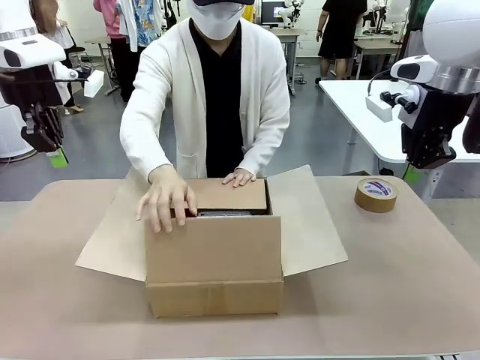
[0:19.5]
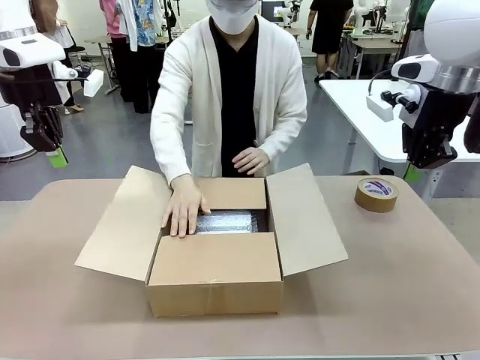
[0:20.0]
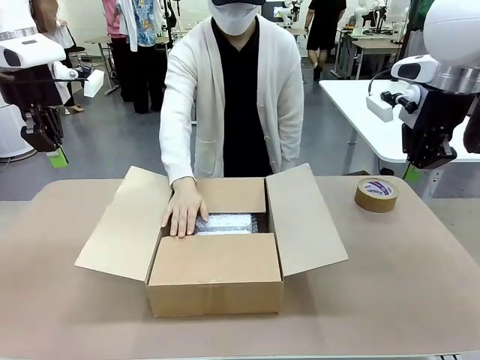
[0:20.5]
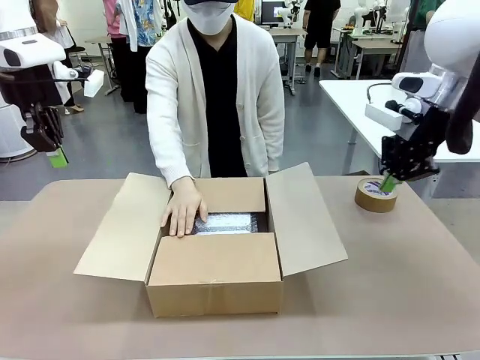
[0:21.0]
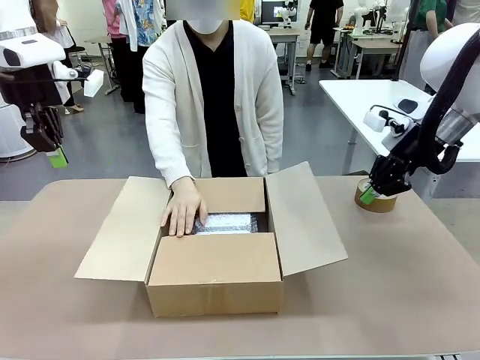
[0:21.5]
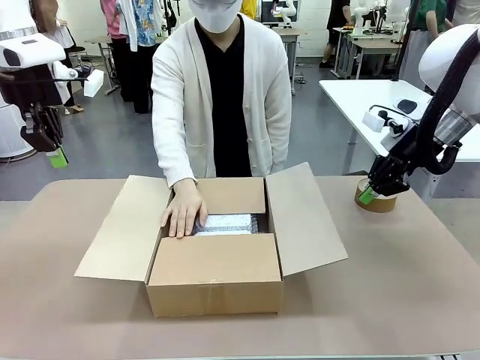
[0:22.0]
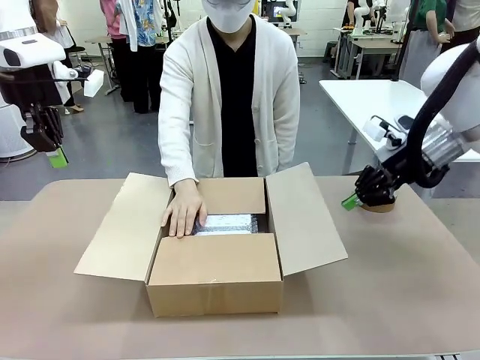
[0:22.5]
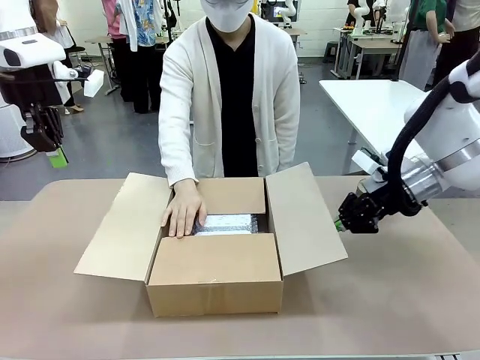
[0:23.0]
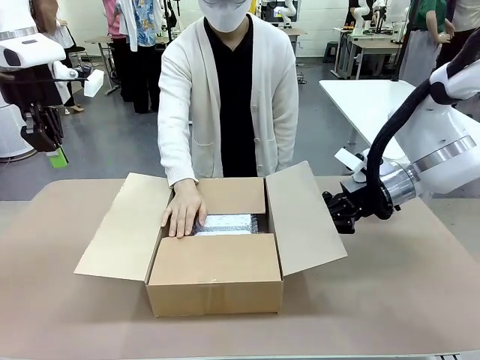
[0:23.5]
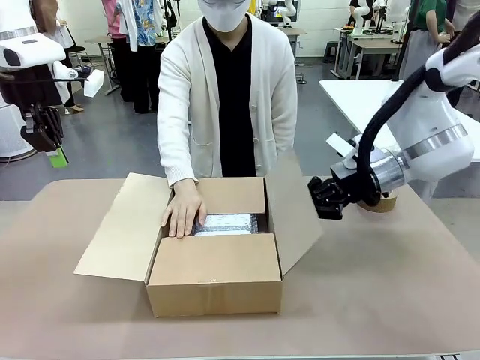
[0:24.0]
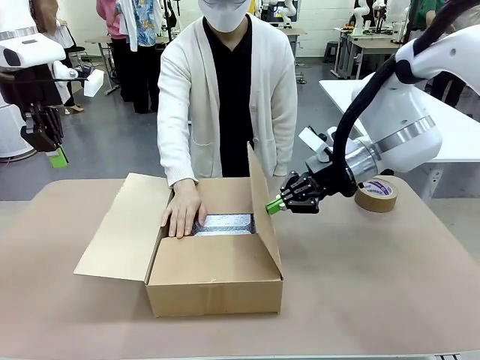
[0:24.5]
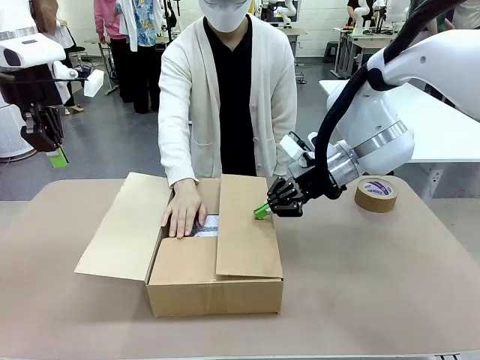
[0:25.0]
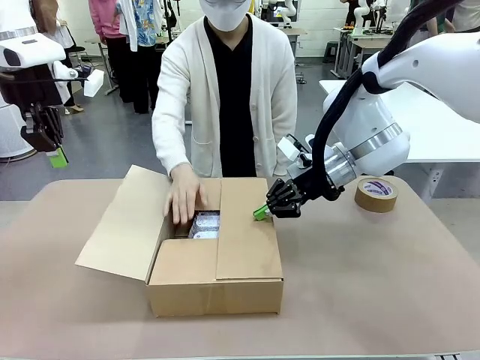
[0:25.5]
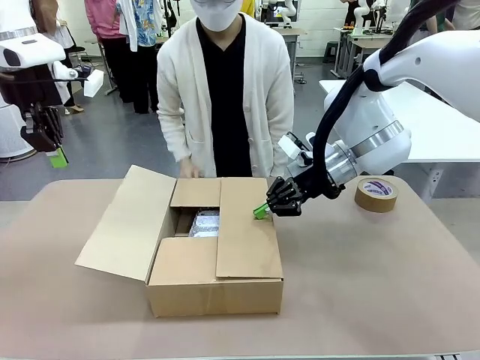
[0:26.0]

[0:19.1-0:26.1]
Task: Wrap the clocks to prevent damage.
Robot: Push the right (or left) flap of the Package Box to close it.
Person: Once the robot closes the right flap of the Package Box , release your left hand from the box.

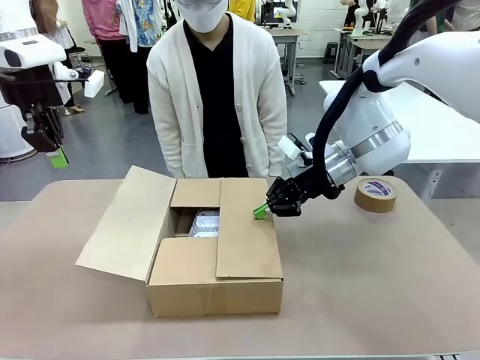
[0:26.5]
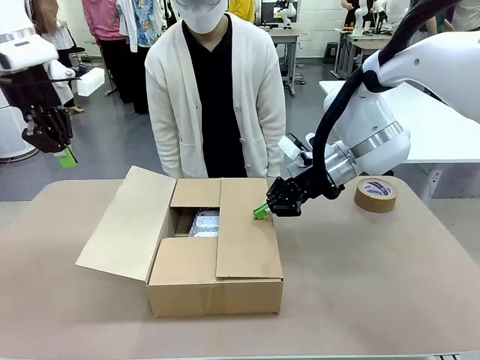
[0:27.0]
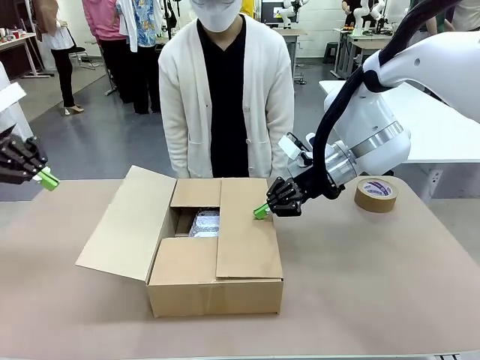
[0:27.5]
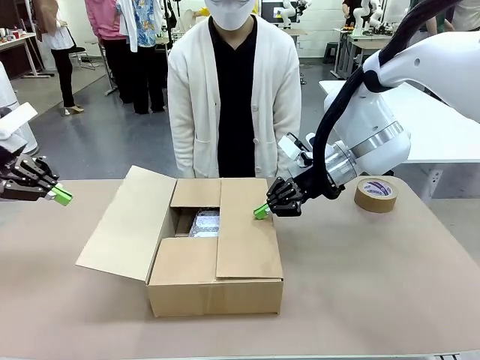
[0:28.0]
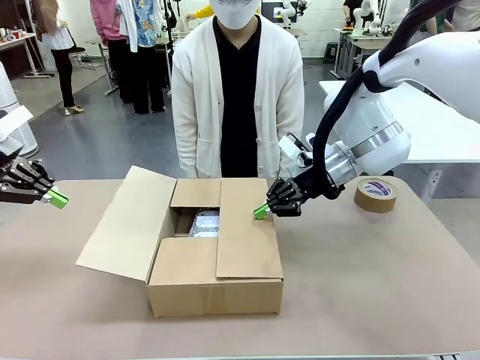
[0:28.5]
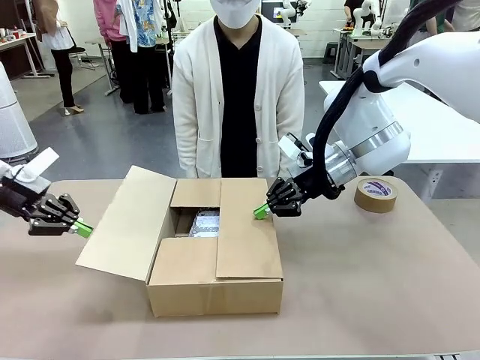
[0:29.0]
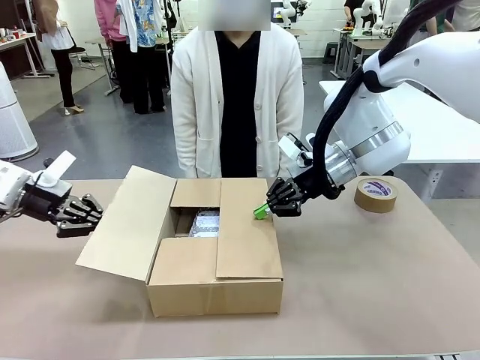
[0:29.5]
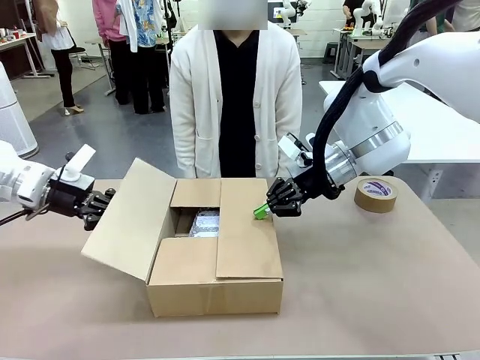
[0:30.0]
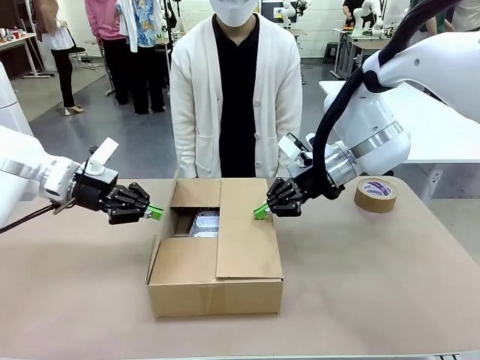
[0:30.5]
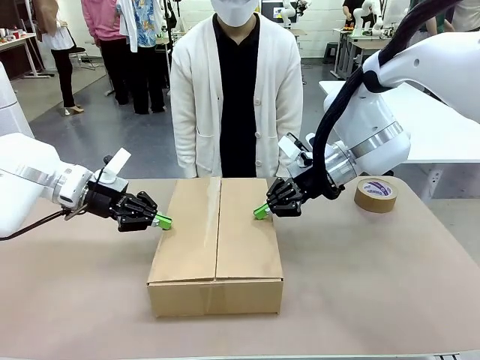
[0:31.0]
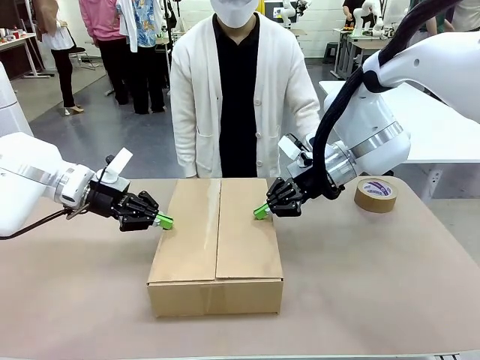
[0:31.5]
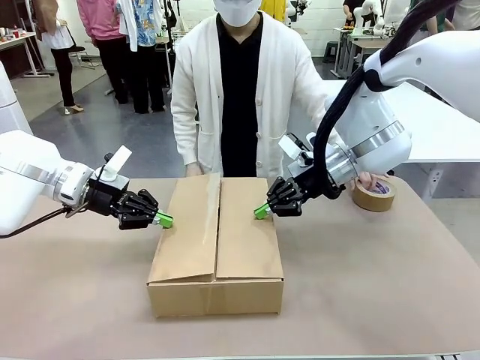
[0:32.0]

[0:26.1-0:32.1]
Robot: Push the left (or right) flap of the Package Box to close it.

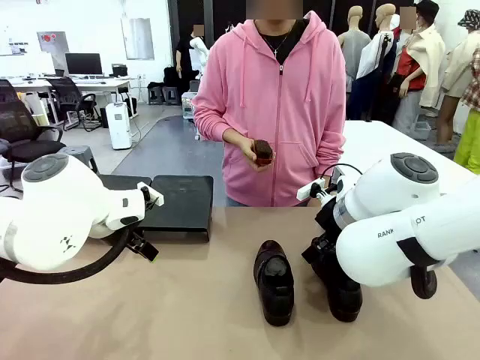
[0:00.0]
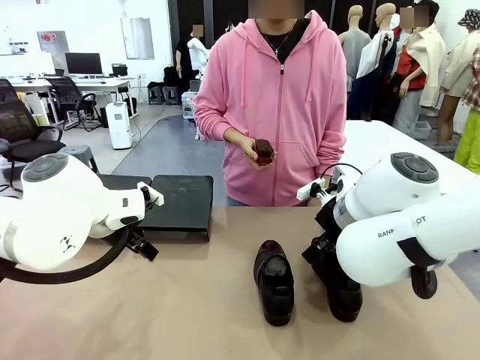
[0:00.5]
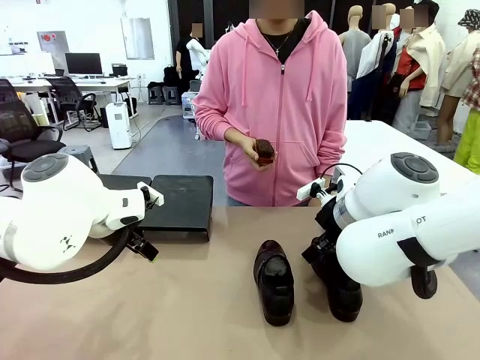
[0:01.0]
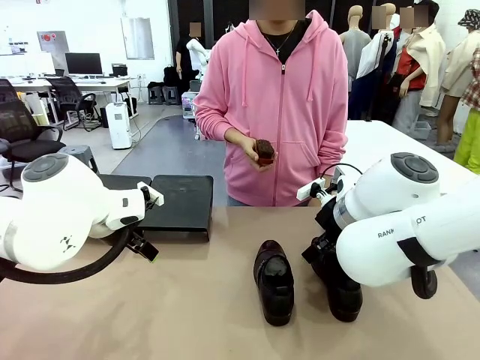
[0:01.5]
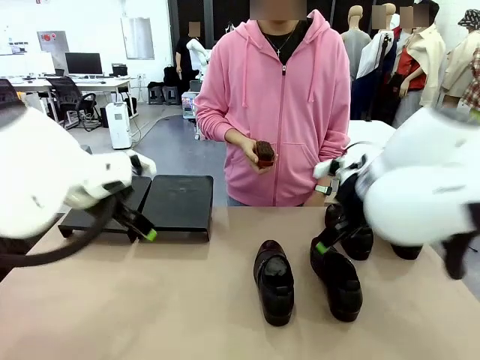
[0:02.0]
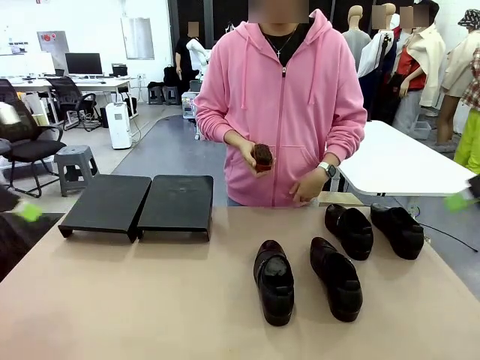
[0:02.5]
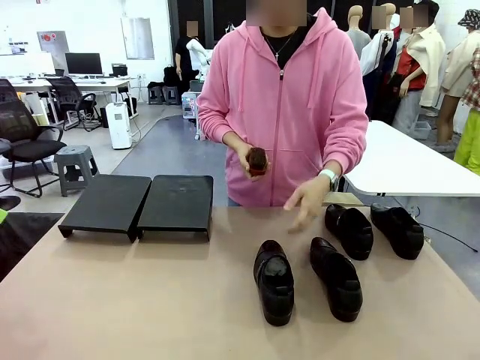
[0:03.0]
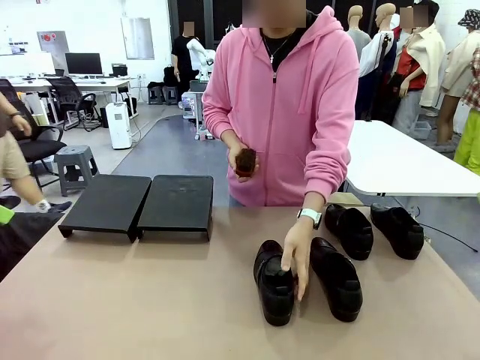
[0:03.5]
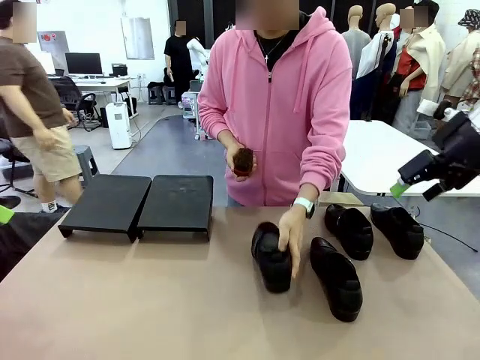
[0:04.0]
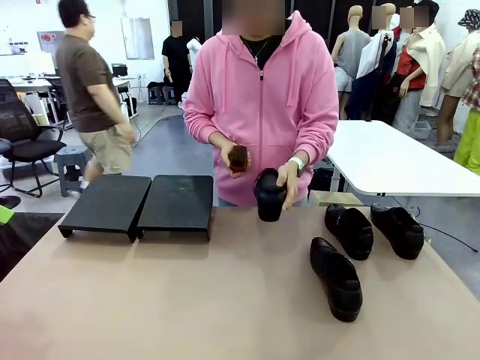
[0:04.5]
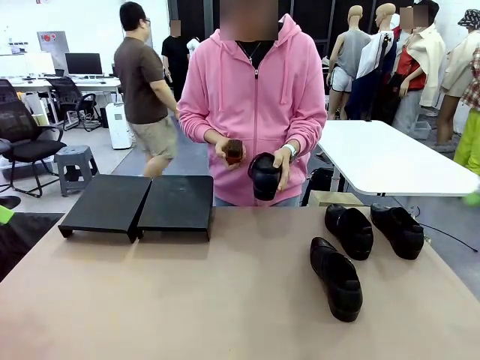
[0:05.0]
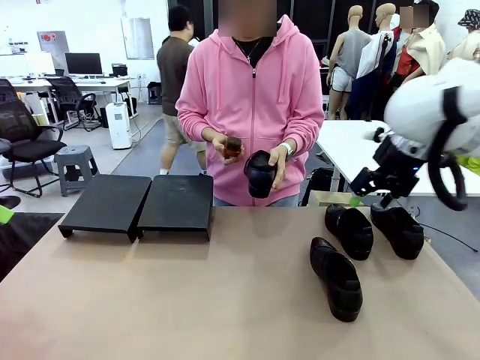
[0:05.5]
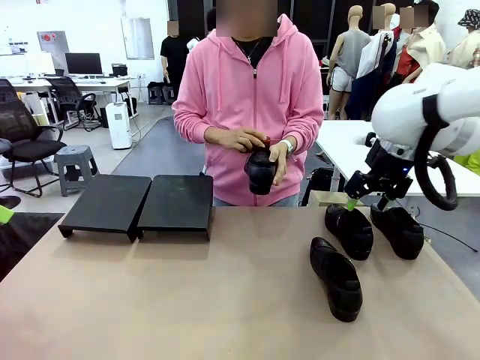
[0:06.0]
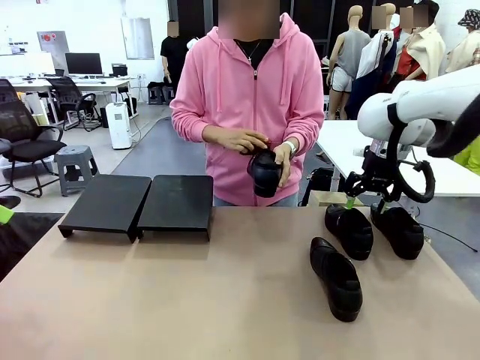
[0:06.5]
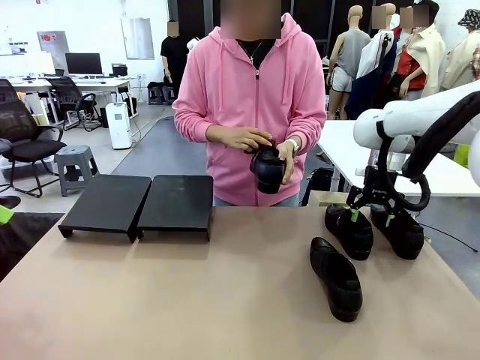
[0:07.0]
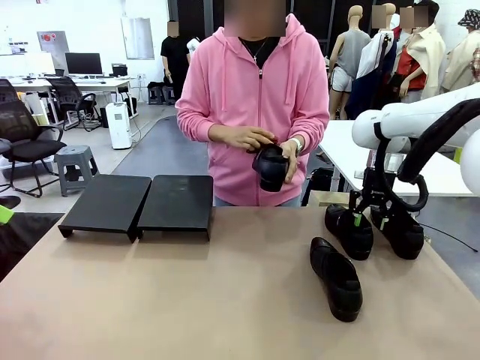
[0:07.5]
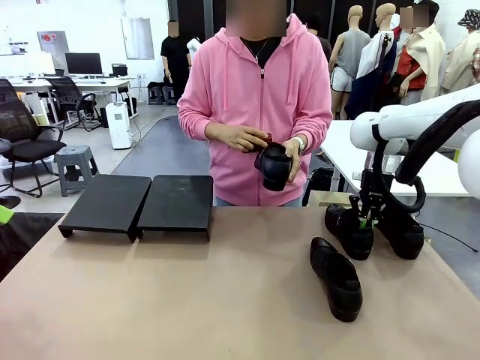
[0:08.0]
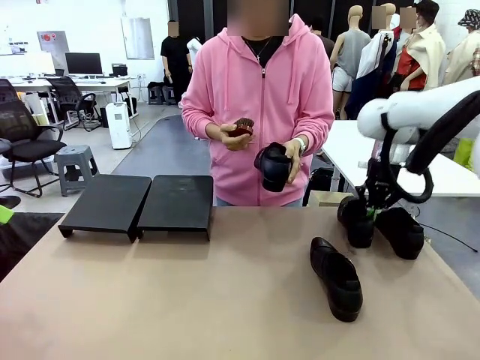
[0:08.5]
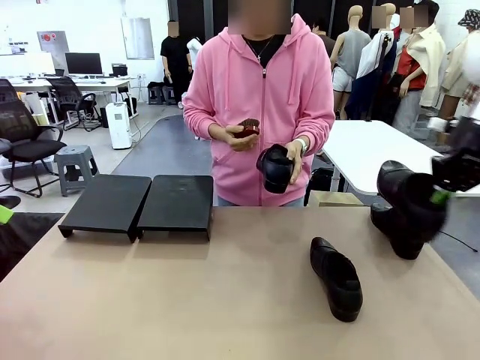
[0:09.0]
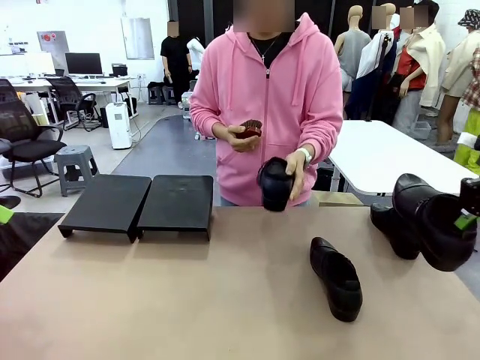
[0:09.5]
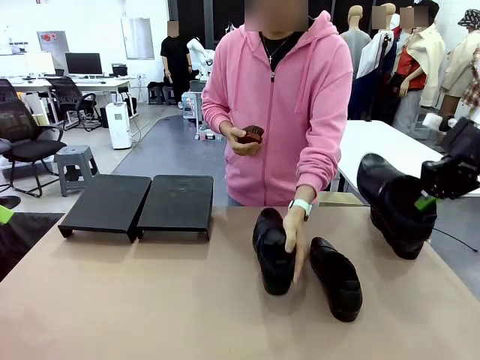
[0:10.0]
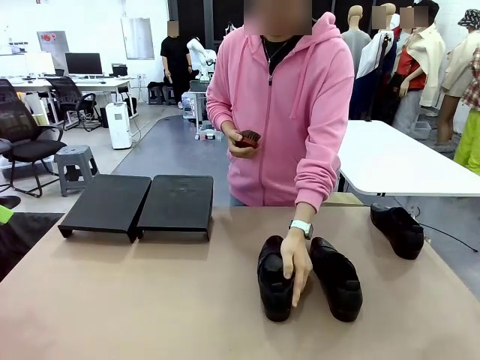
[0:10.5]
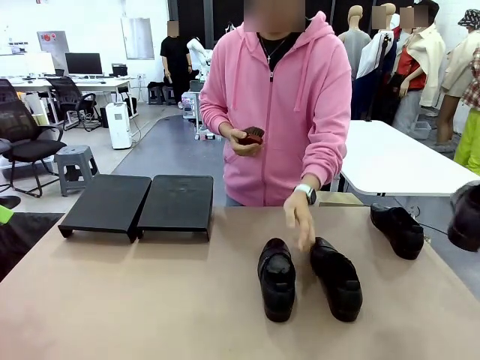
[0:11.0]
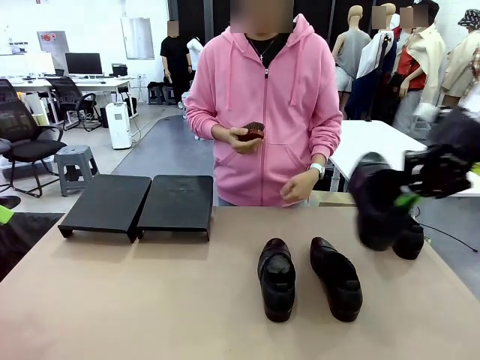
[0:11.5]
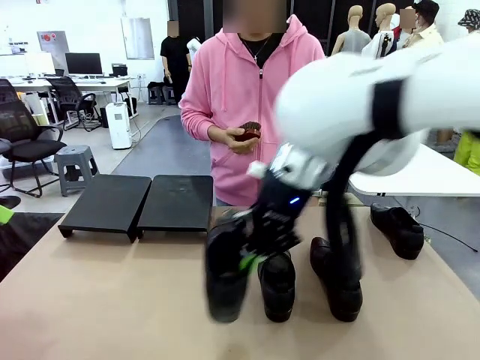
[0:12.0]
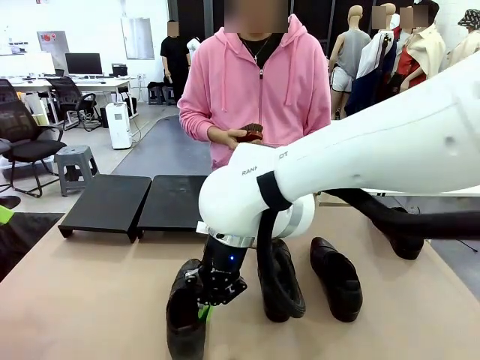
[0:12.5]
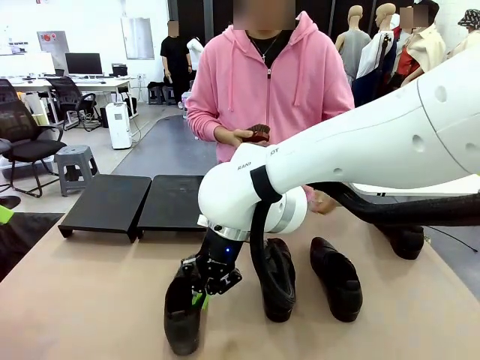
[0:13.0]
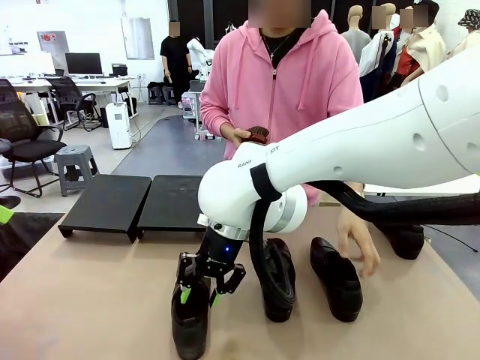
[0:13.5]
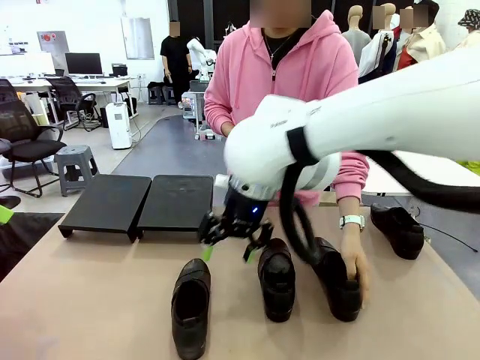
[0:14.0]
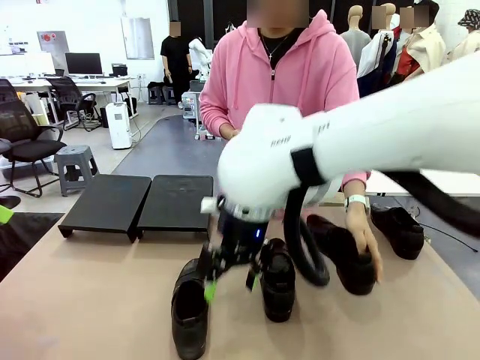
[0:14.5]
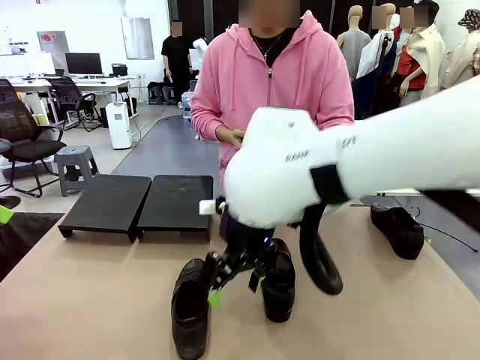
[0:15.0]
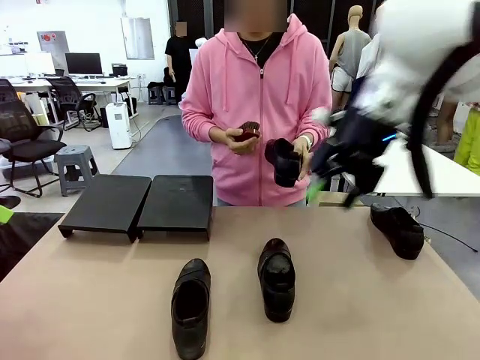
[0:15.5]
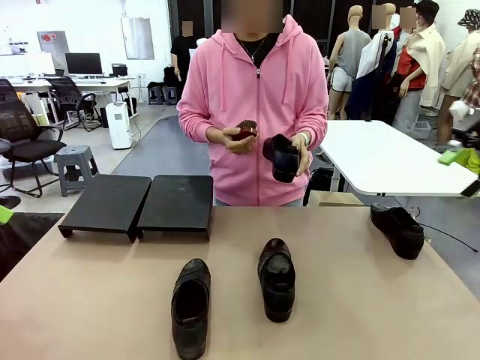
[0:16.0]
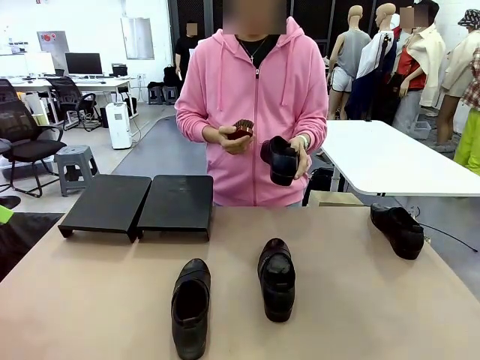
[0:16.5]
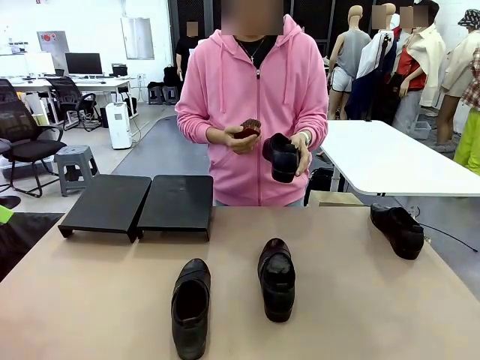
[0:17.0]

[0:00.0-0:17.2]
Task: Organize the shoes by placing them on the stand.
Robot: Pick up one Shoe and place it in the middle of the table.
Person: Pick one Shoe on Robot's table. Clean the Shoe with the Shoe Brush. Place the Shoe on left side of the Robot's table. Pick one Shoe on Robot's table.
